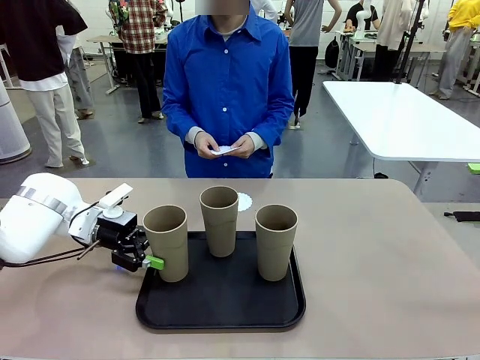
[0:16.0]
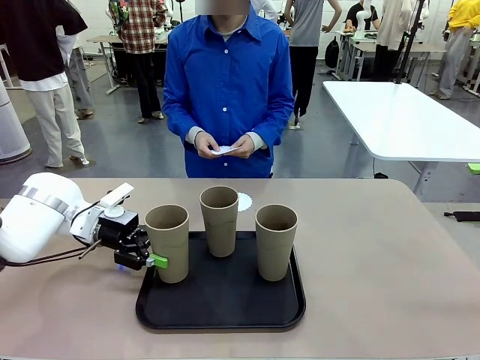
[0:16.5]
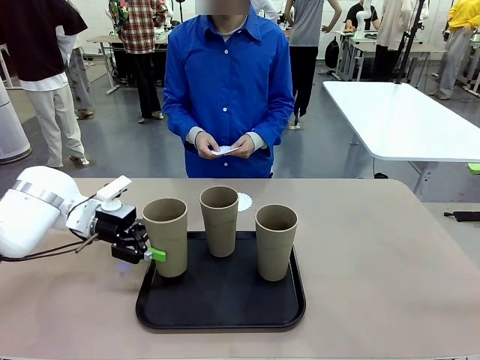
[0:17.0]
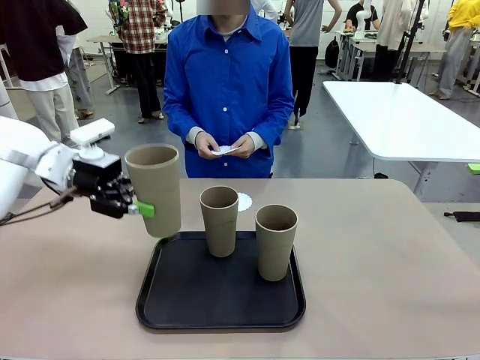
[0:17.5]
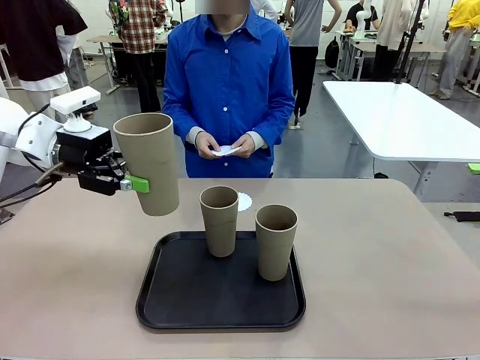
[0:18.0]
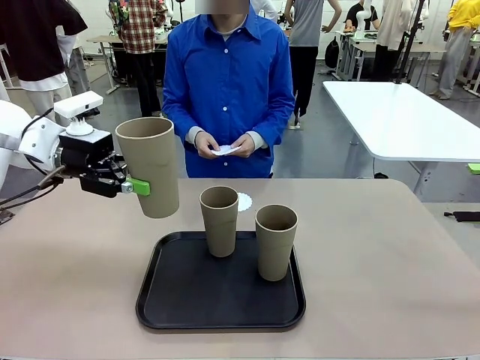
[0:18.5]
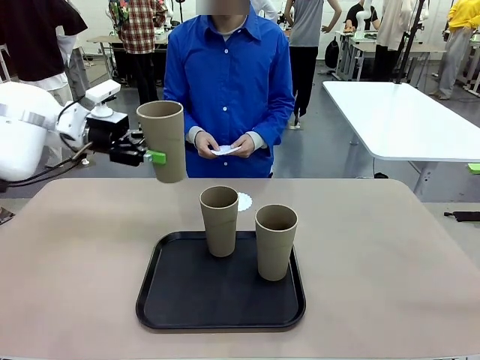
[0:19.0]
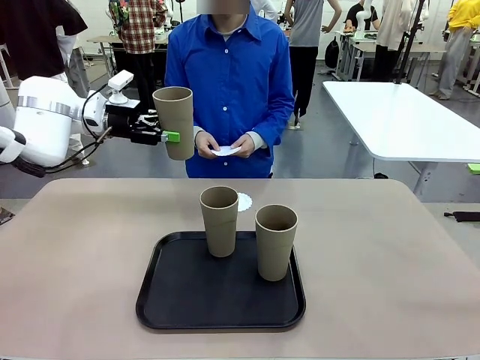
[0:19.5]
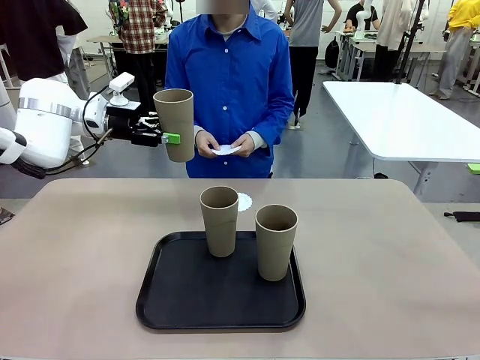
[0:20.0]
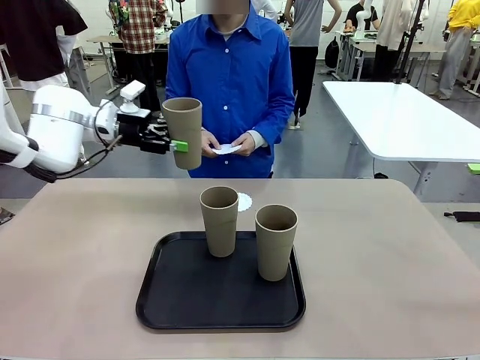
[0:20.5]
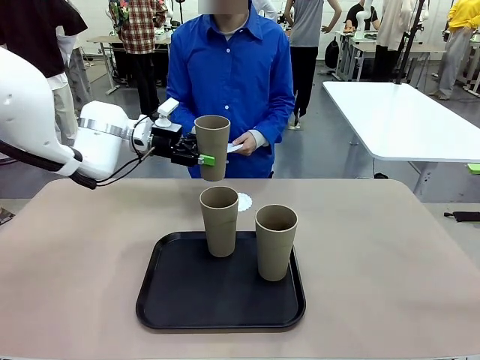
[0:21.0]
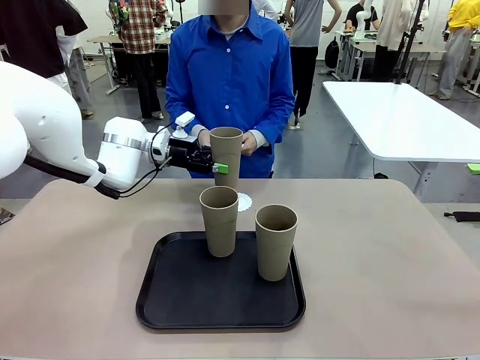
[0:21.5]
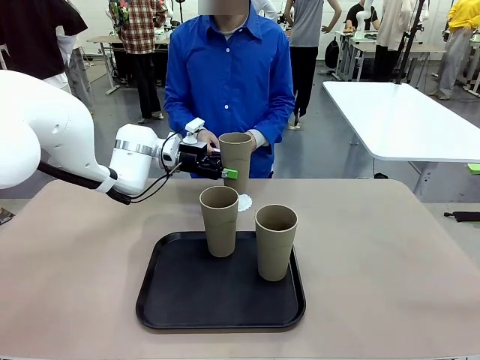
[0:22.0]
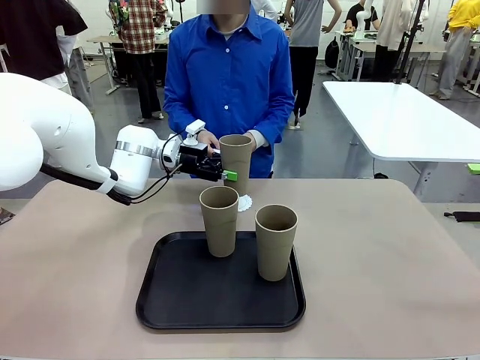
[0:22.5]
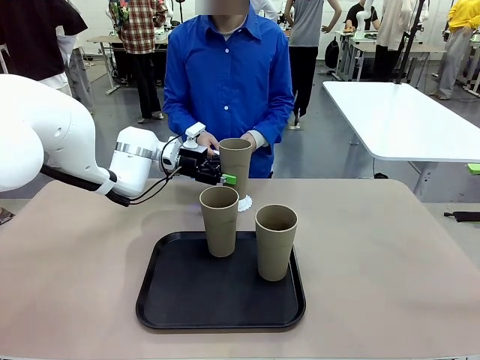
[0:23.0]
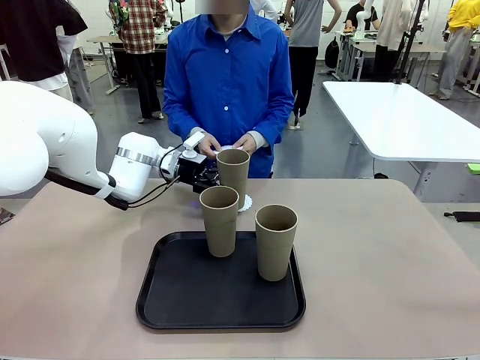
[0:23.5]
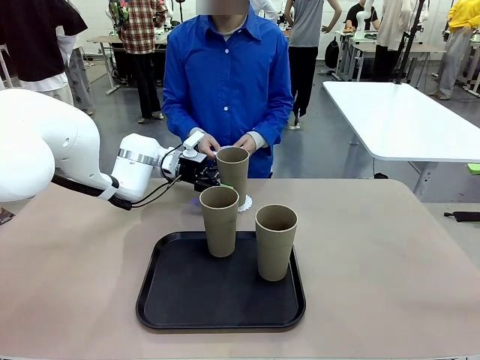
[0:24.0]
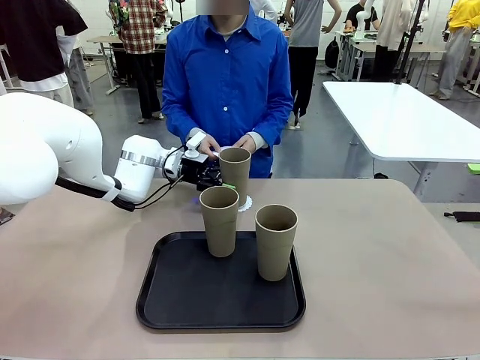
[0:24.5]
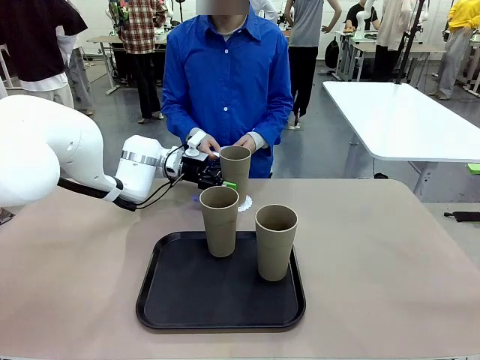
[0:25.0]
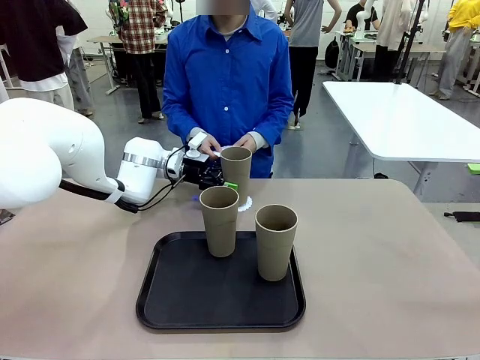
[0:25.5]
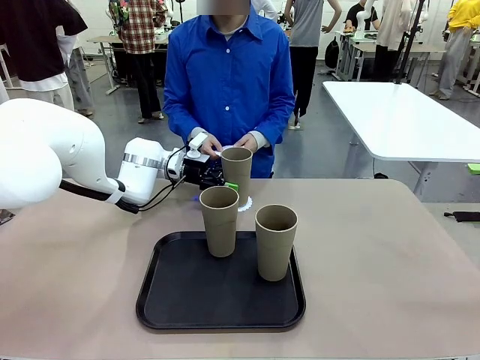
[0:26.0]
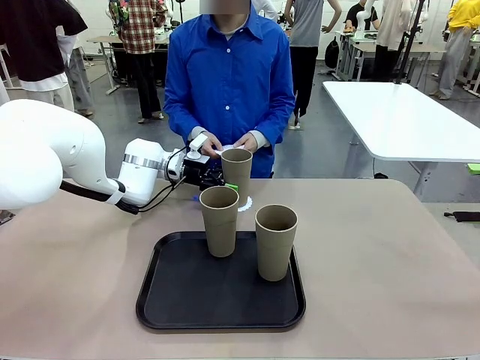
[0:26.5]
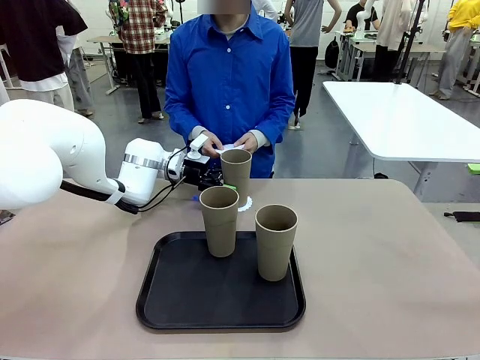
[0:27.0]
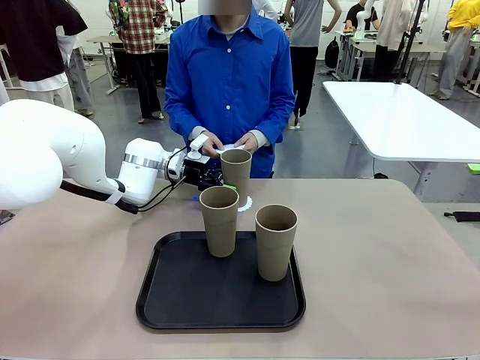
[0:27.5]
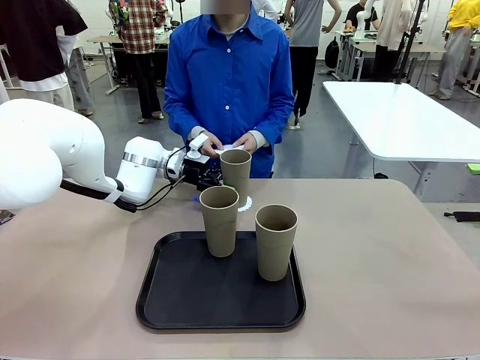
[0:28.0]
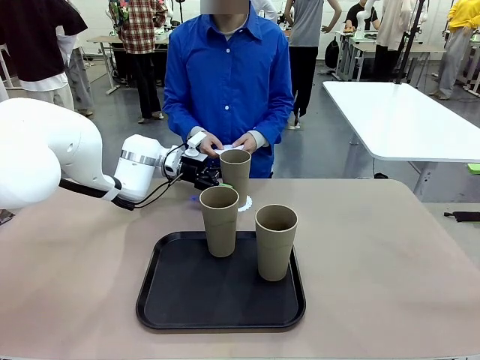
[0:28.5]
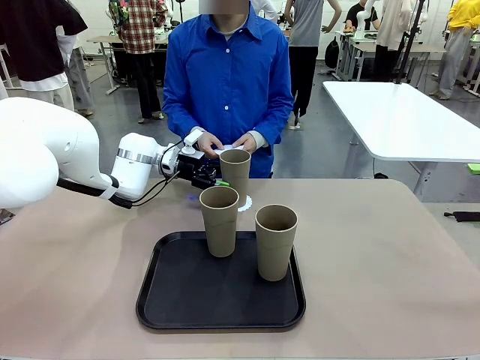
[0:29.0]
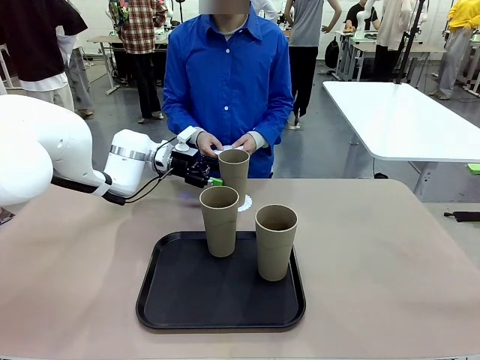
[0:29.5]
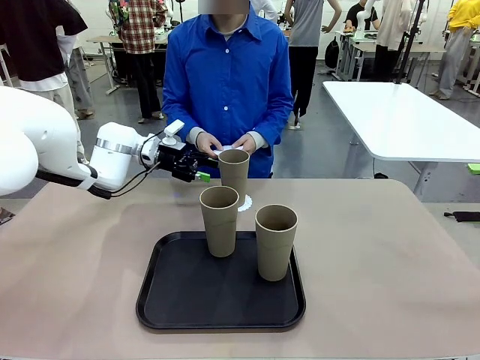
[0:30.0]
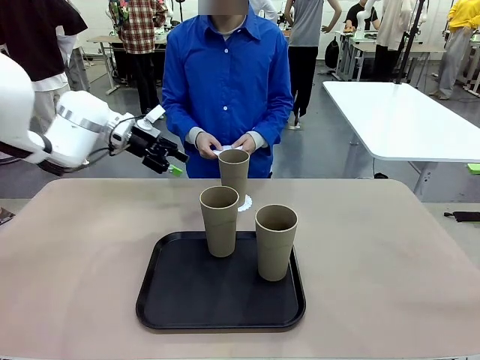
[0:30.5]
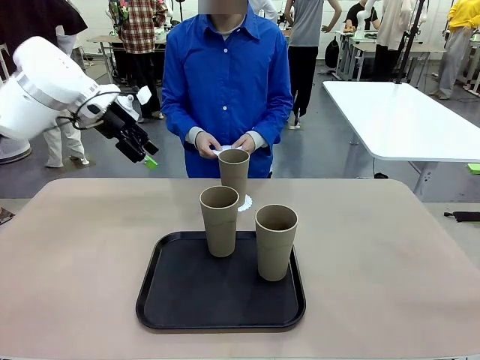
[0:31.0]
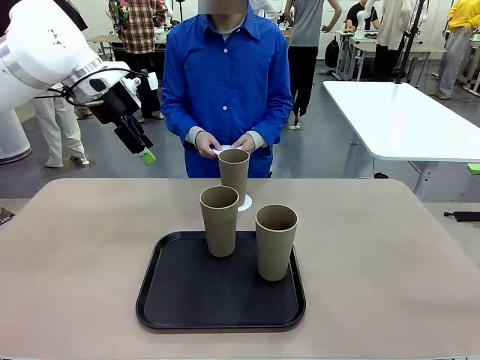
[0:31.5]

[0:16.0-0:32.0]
Task: Place coasters on the table and set cups on them.
Robot: Pick up one Reusable plastic cup and place it on a coaster set by the human.
Person: Place one coaster in one of the two areas excluding the previously selected area.
